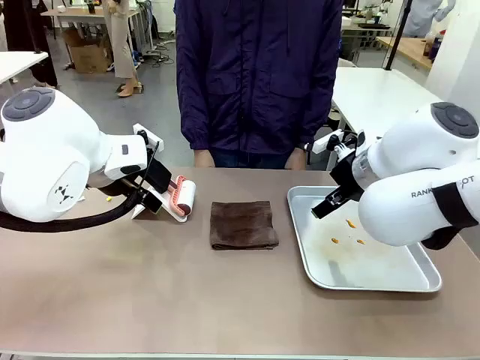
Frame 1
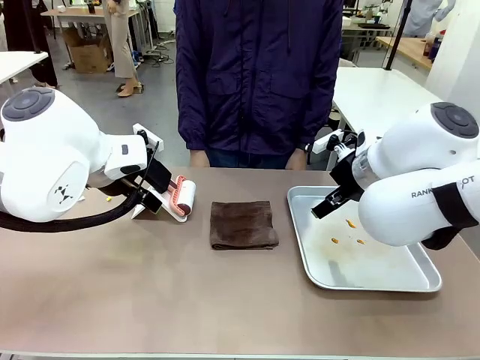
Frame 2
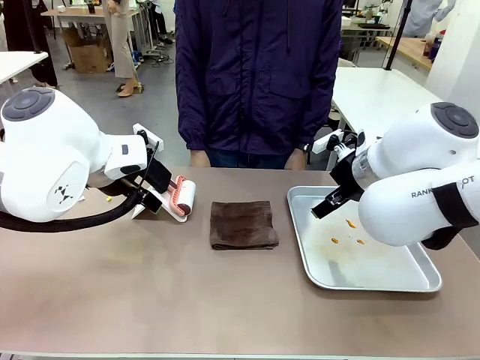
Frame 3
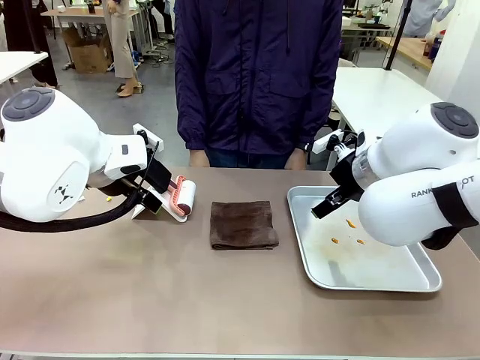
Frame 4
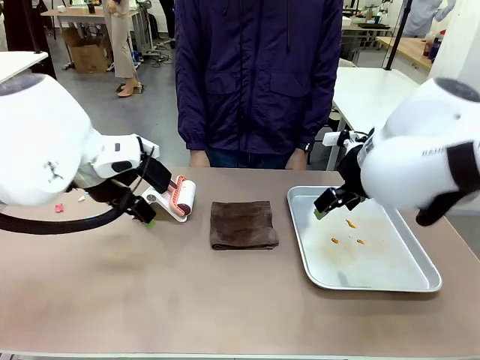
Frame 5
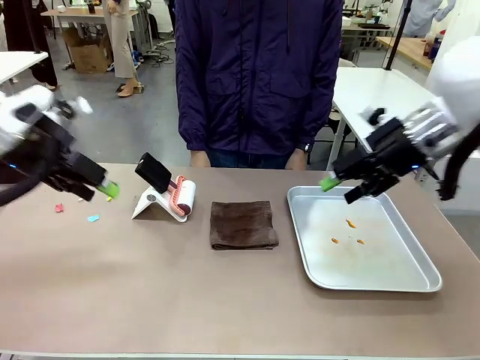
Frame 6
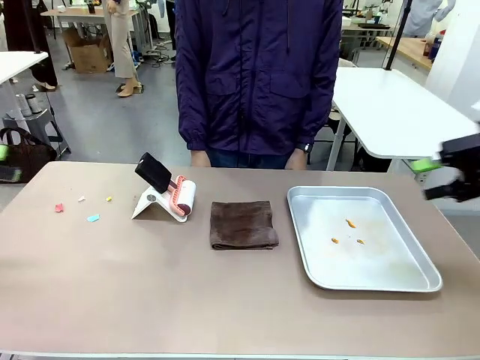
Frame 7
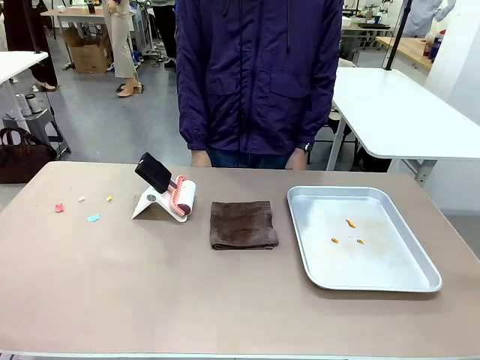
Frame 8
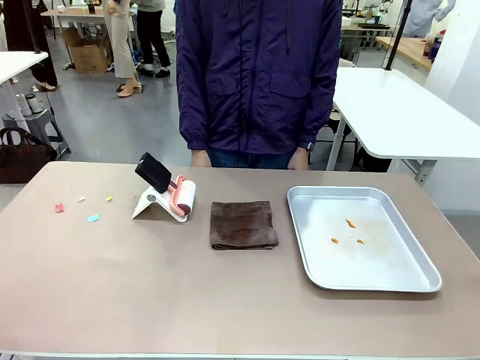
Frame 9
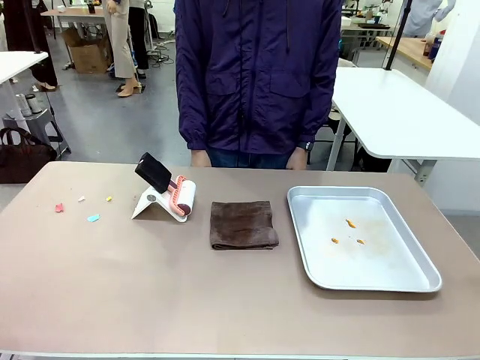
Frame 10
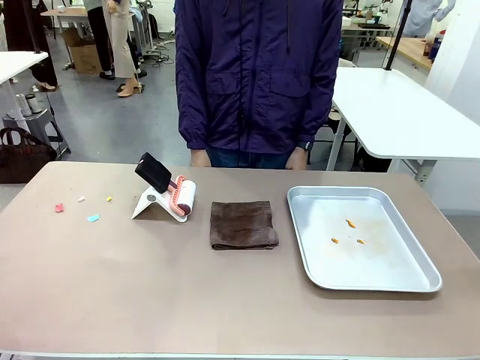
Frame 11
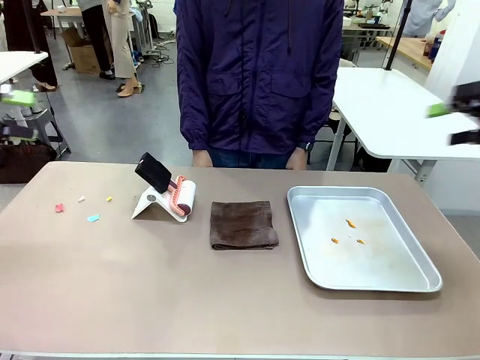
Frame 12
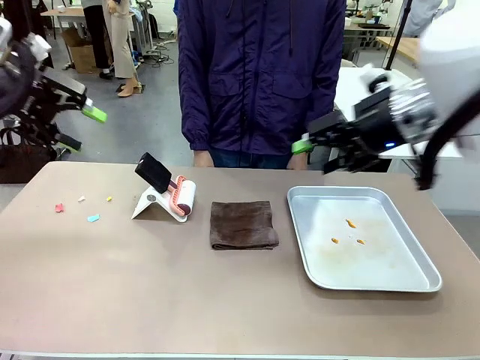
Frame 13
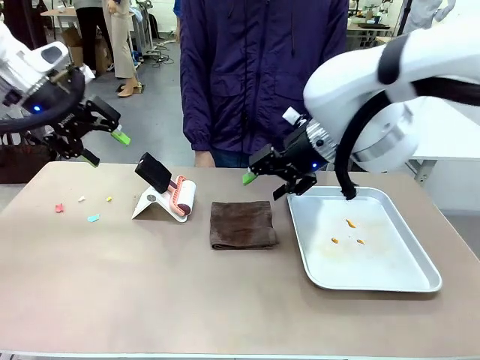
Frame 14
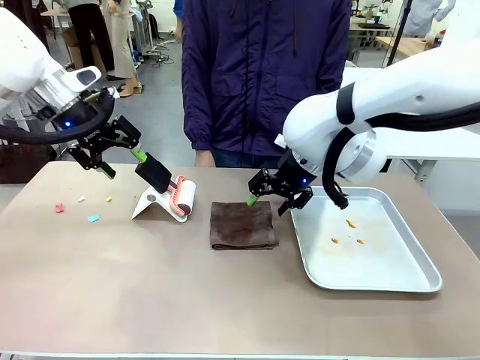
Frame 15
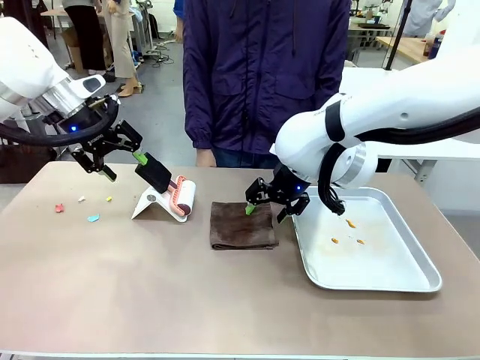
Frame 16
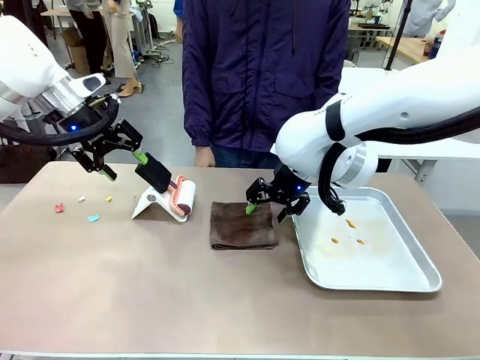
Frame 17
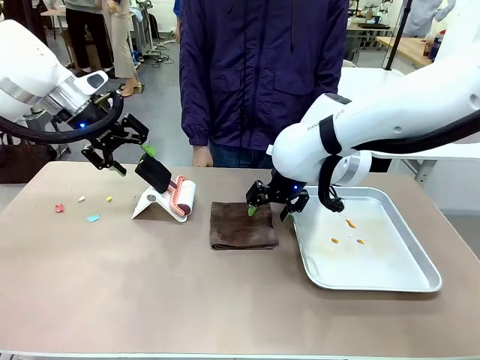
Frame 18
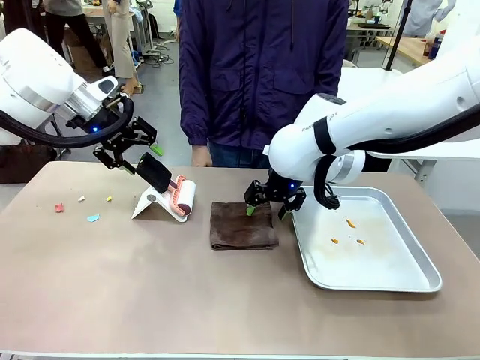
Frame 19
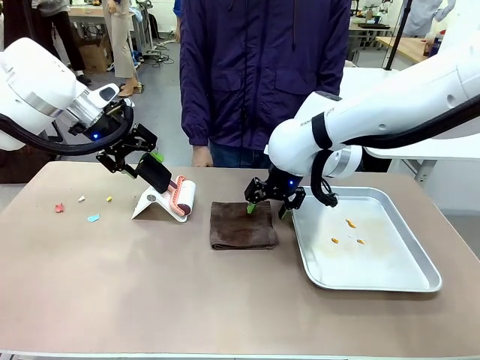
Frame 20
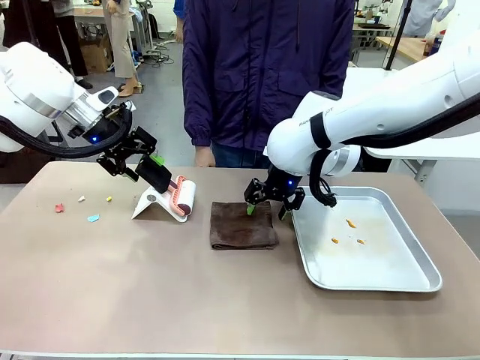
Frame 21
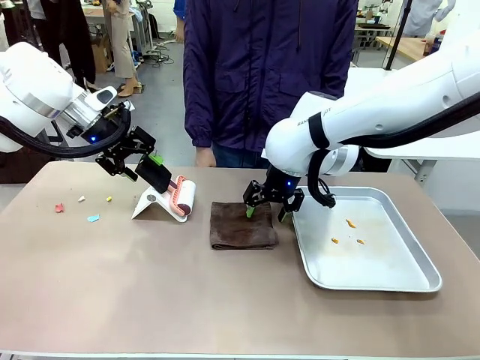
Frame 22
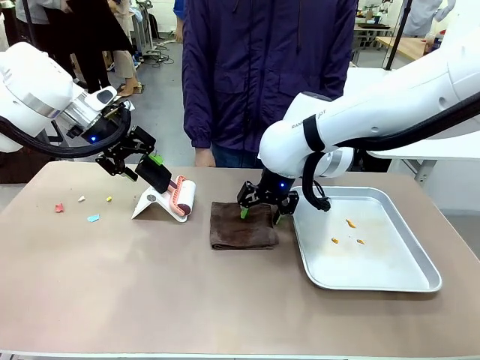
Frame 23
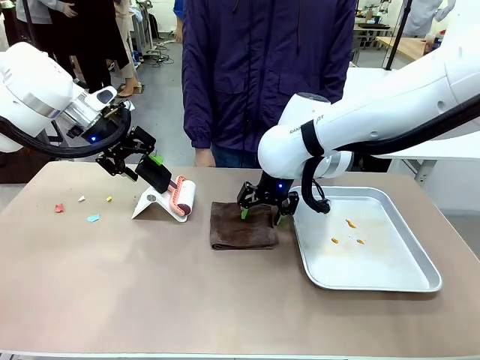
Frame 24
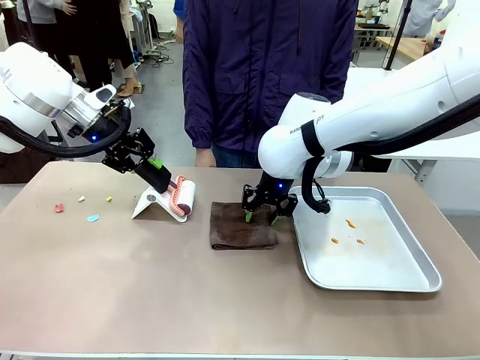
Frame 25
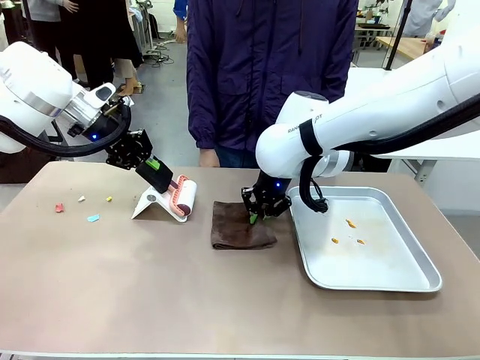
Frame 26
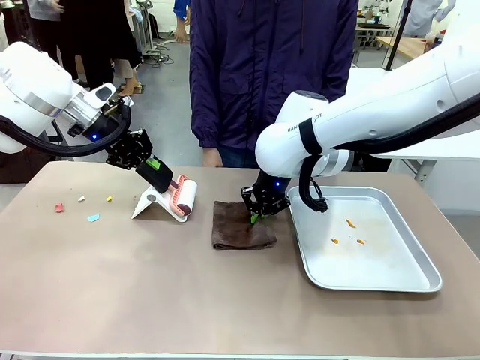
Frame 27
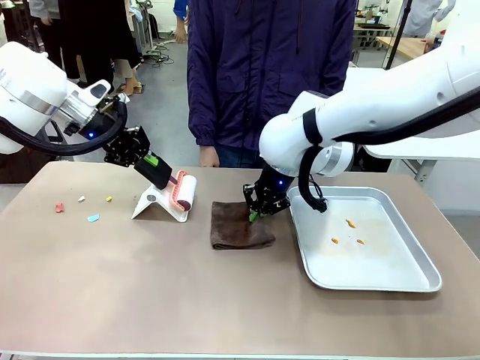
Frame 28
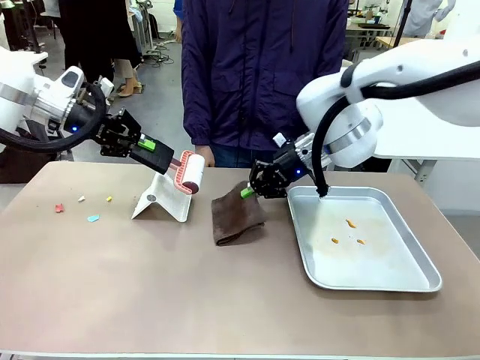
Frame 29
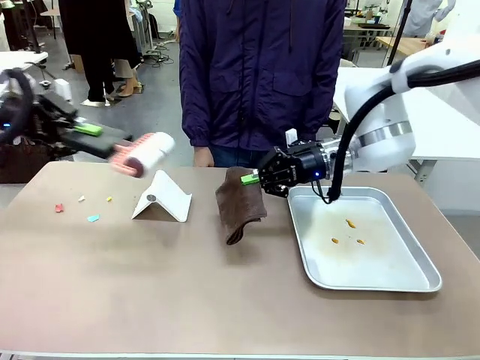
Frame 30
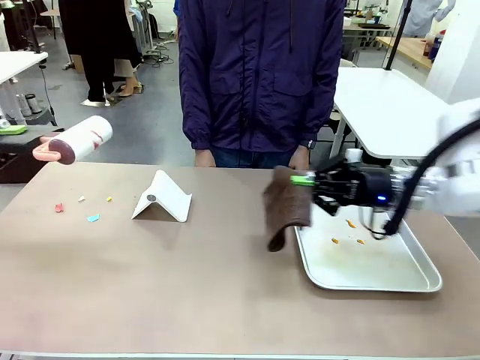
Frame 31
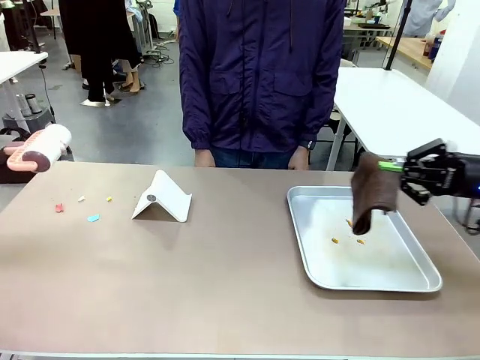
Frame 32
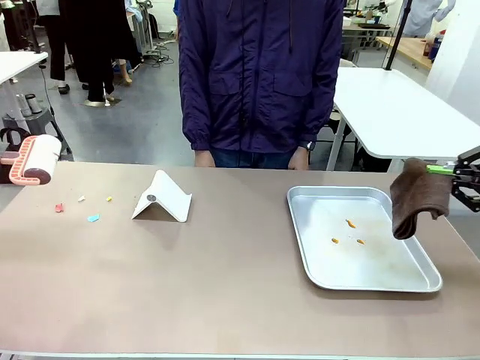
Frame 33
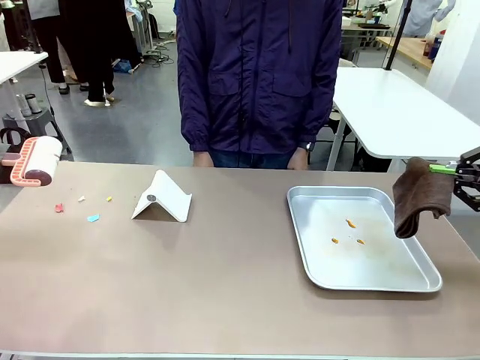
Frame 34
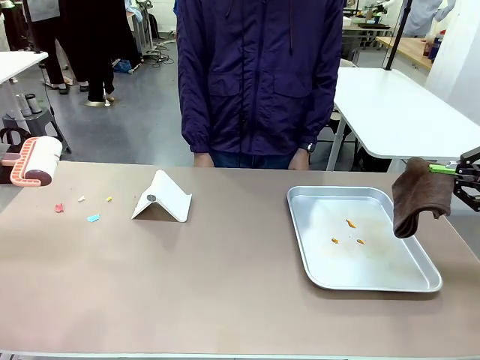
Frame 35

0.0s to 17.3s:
Task: Clean the surface of the table.
Robot: Hold the Lint Roller with your left hand and the towel with your right hand.

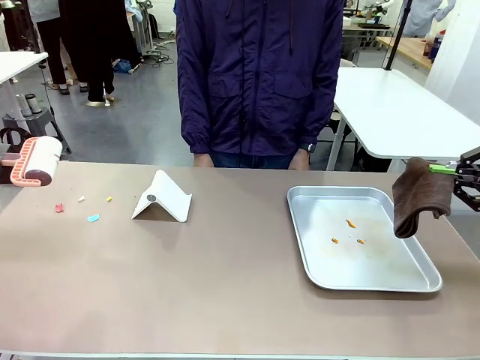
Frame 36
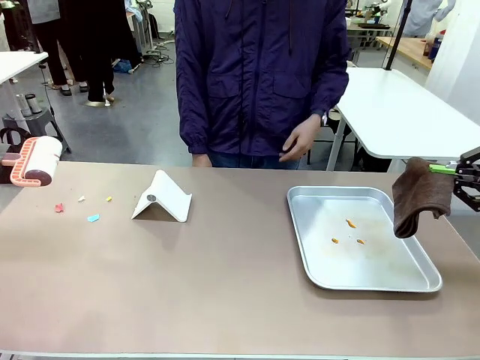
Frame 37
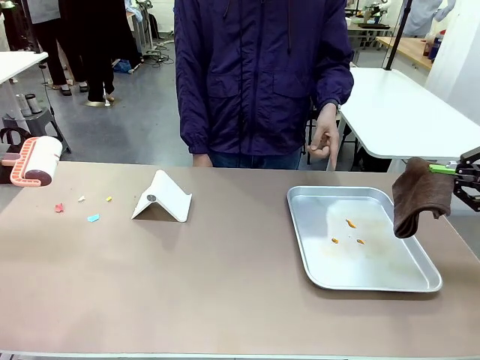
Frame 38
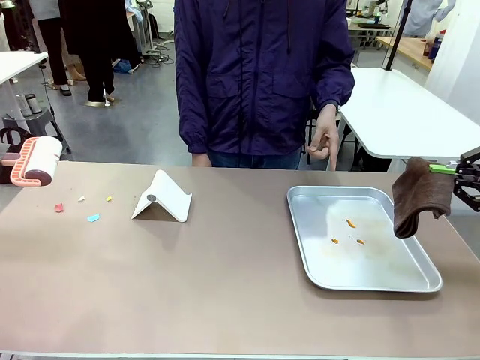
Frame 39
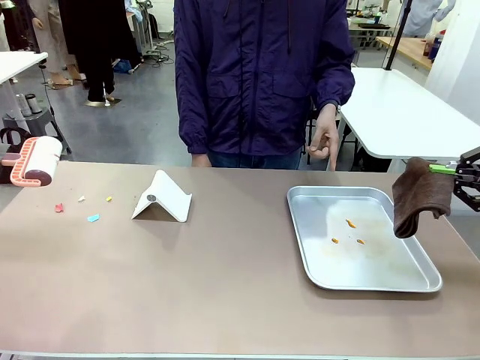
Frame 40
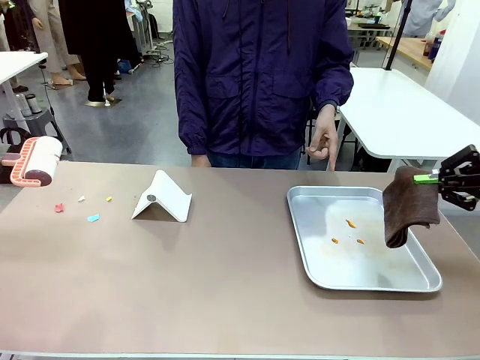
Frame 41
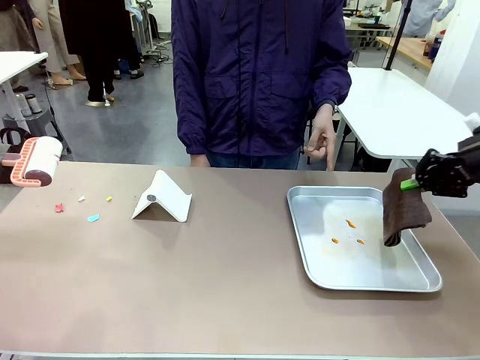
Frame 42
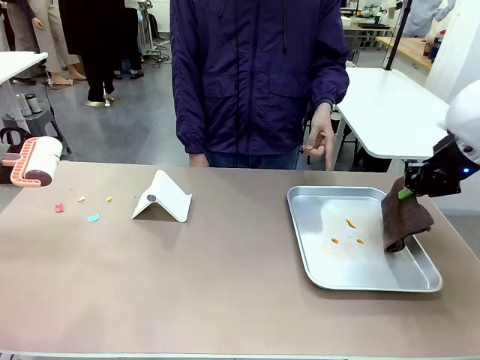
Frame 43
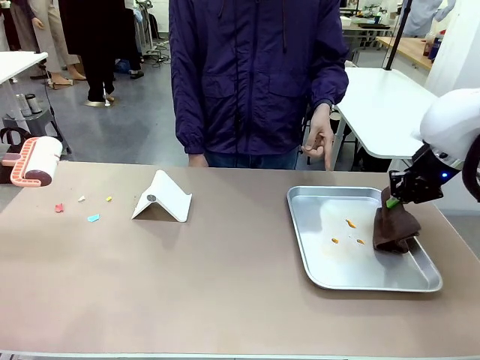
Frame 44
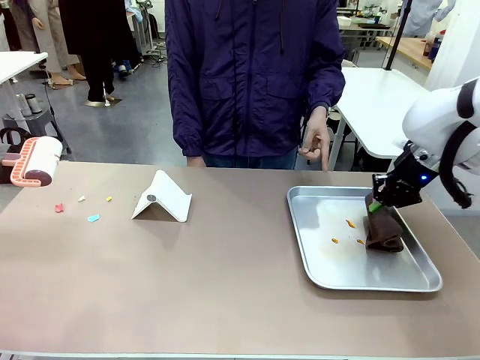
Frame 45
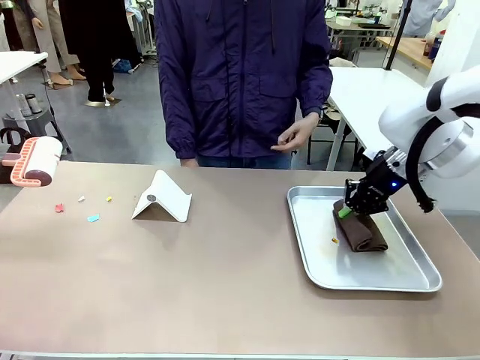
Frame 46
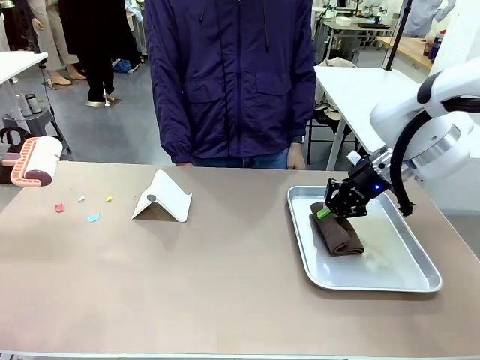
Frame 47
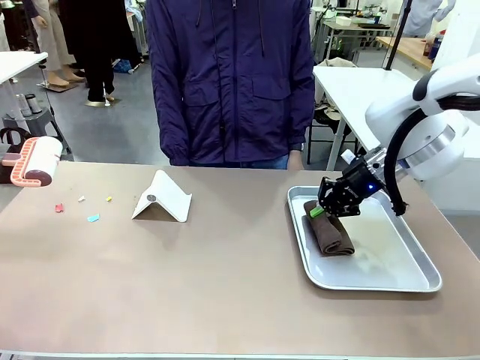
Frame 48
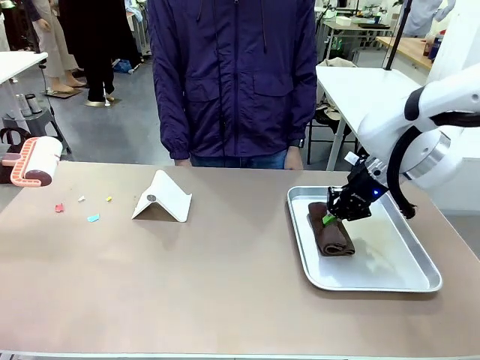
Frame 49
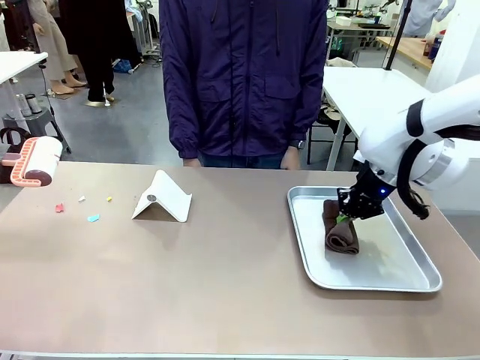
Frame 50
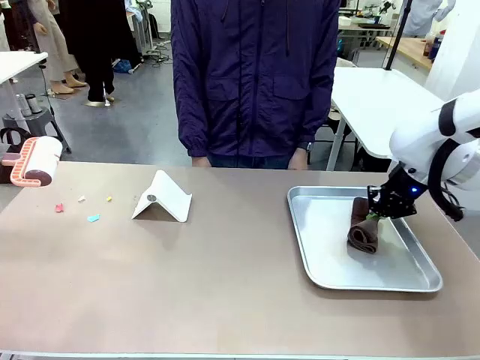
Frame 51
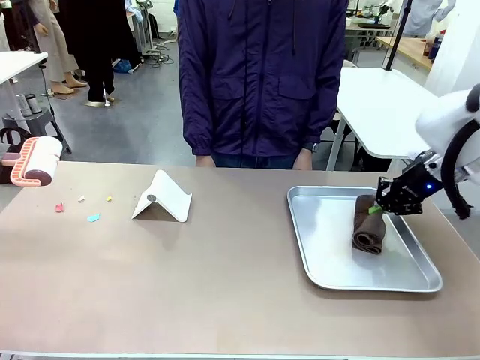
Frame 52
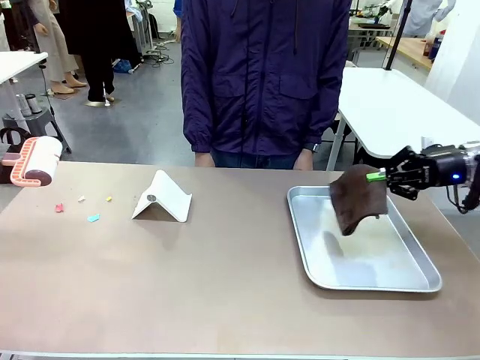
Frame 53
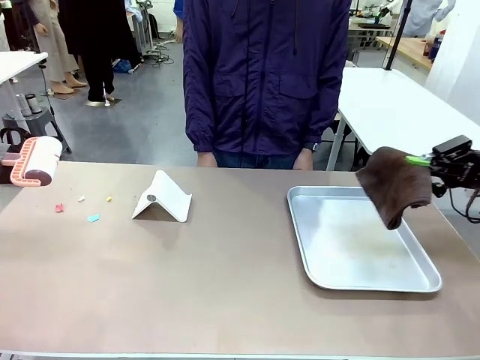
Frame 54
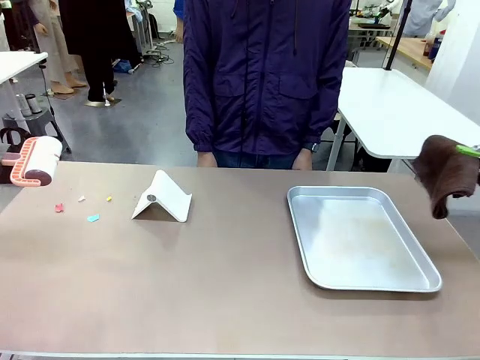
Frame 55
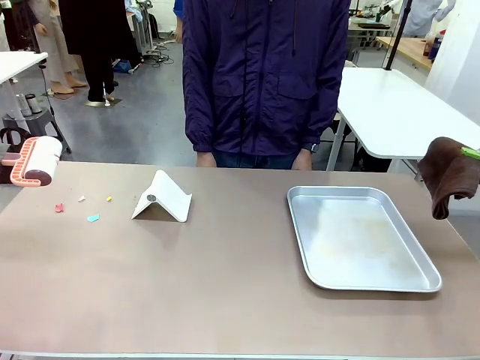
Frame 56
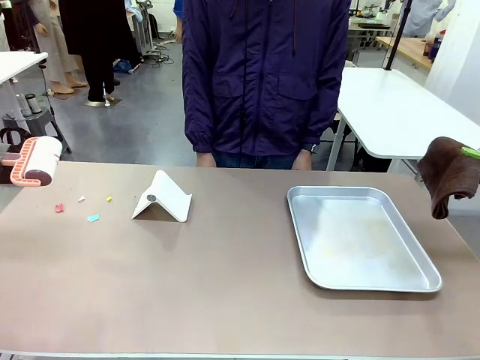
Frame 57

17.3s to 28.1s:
Robot: If a person points to the right, clean the right side of the table with your right hand, and if they point to the left, clean the left side with your left hand.
